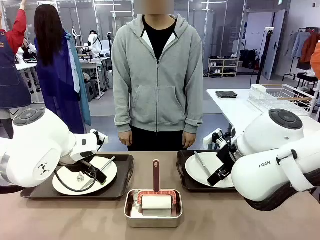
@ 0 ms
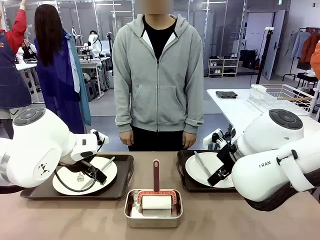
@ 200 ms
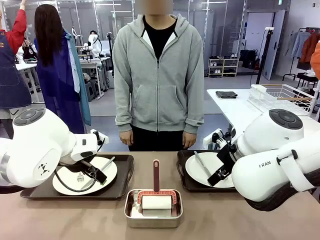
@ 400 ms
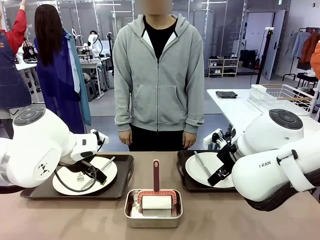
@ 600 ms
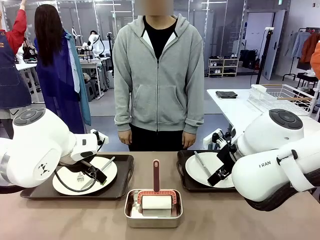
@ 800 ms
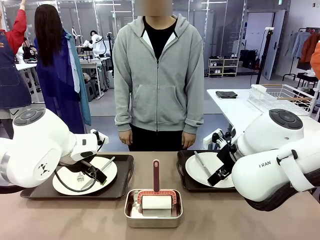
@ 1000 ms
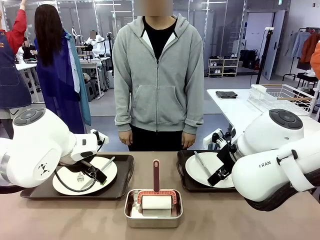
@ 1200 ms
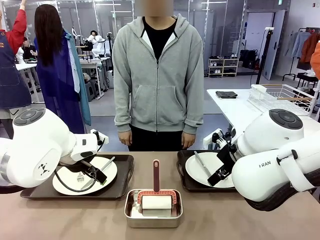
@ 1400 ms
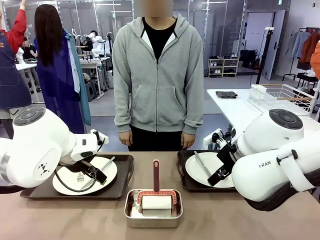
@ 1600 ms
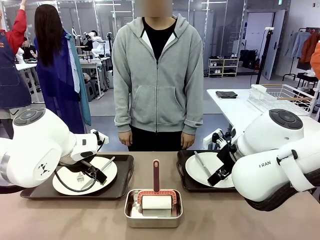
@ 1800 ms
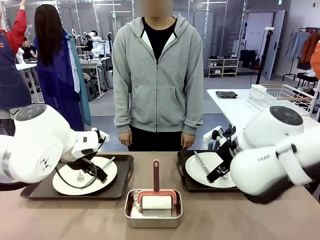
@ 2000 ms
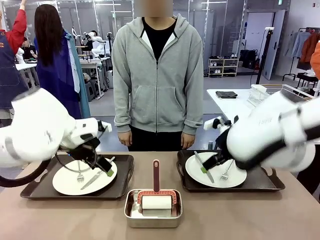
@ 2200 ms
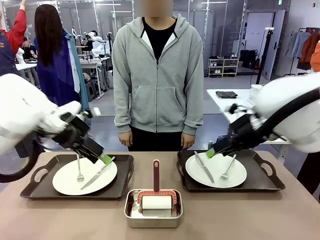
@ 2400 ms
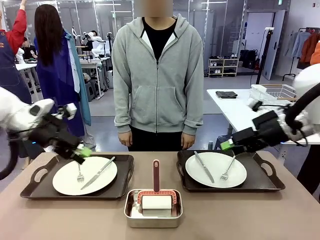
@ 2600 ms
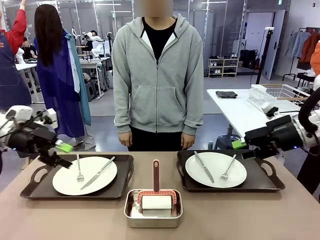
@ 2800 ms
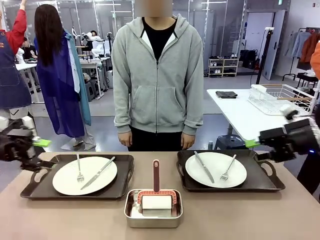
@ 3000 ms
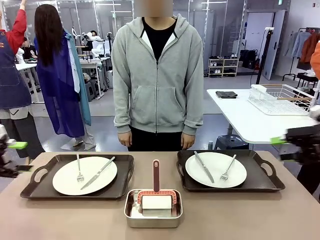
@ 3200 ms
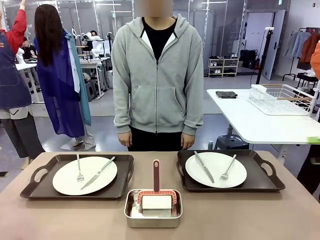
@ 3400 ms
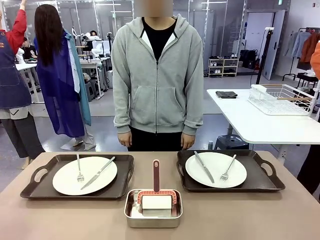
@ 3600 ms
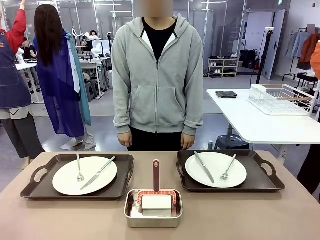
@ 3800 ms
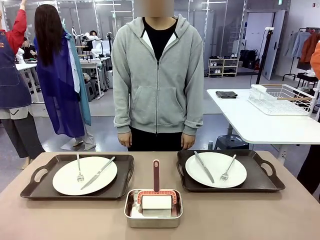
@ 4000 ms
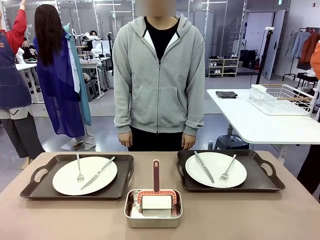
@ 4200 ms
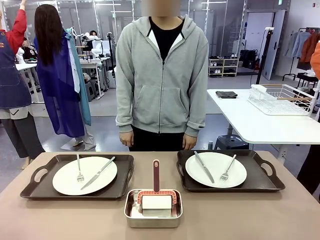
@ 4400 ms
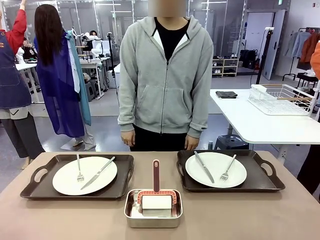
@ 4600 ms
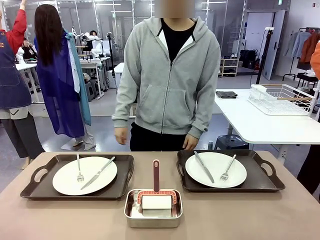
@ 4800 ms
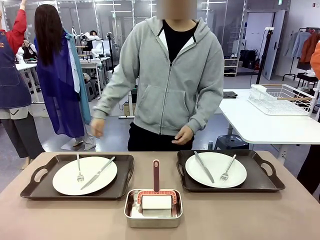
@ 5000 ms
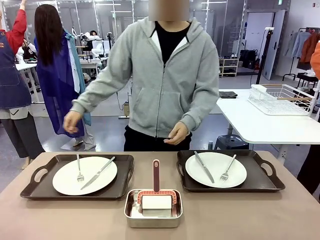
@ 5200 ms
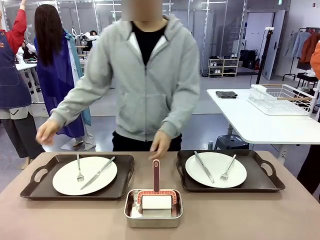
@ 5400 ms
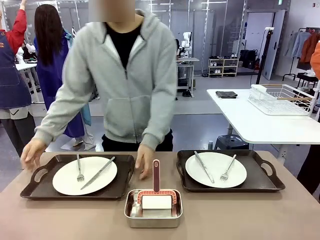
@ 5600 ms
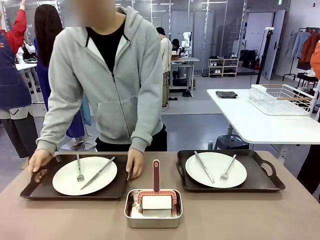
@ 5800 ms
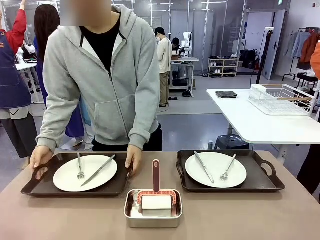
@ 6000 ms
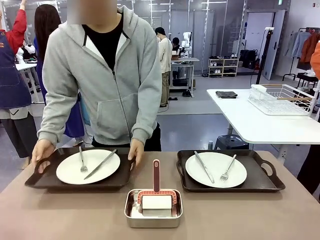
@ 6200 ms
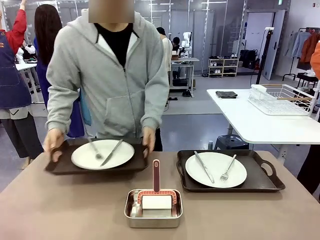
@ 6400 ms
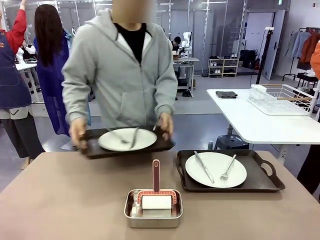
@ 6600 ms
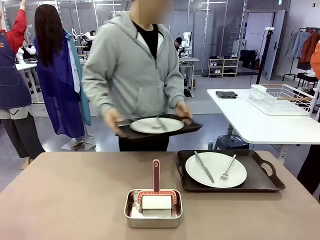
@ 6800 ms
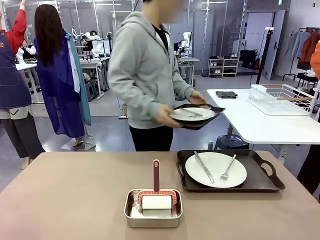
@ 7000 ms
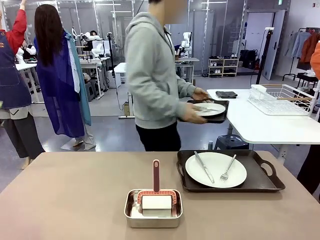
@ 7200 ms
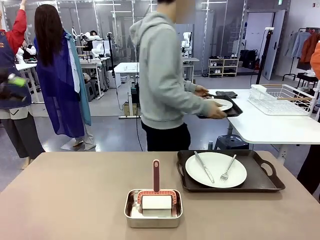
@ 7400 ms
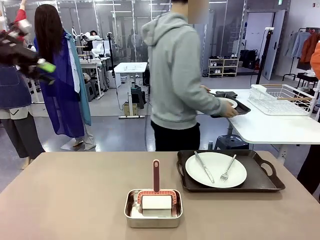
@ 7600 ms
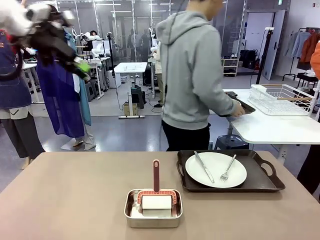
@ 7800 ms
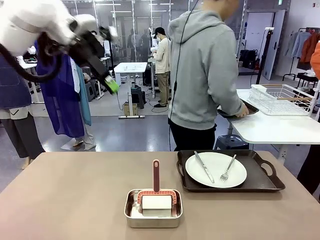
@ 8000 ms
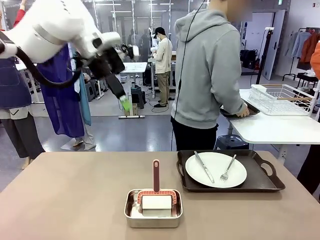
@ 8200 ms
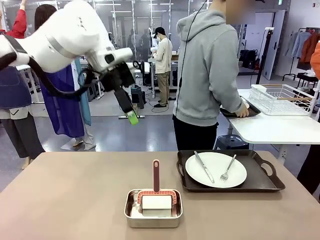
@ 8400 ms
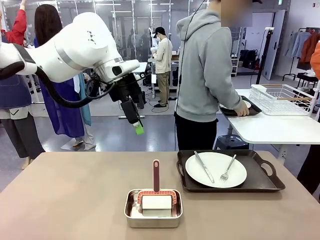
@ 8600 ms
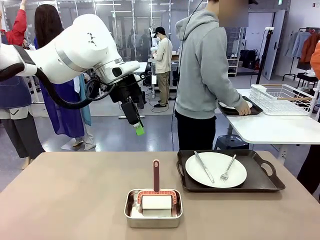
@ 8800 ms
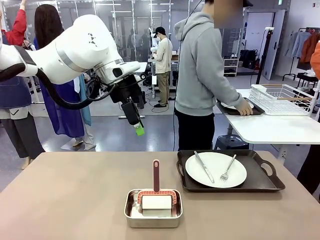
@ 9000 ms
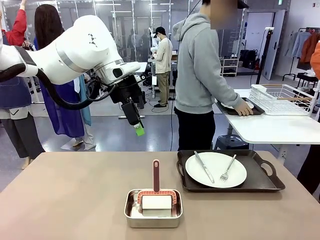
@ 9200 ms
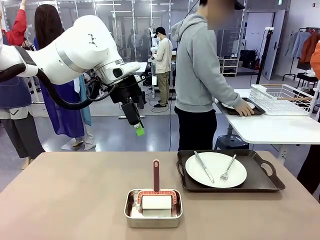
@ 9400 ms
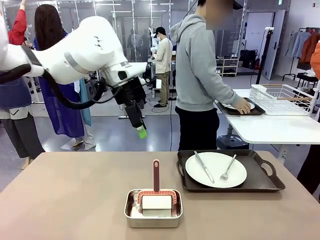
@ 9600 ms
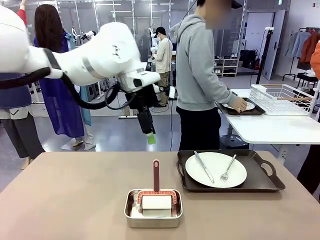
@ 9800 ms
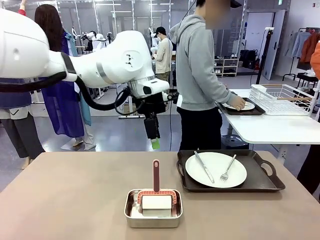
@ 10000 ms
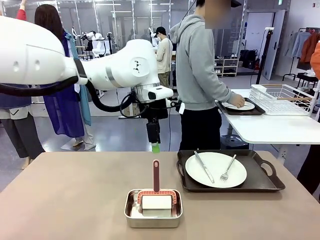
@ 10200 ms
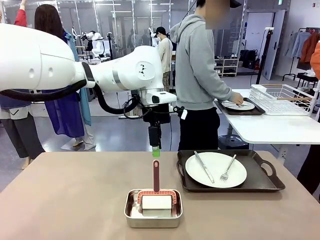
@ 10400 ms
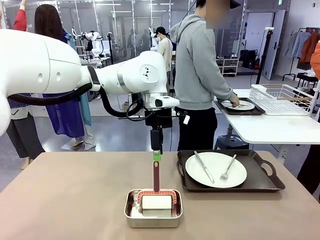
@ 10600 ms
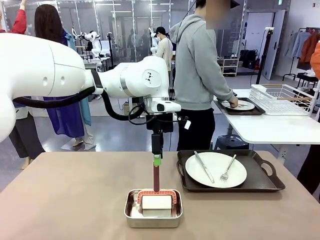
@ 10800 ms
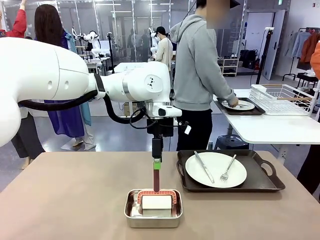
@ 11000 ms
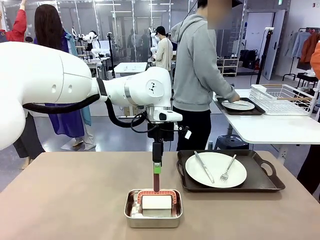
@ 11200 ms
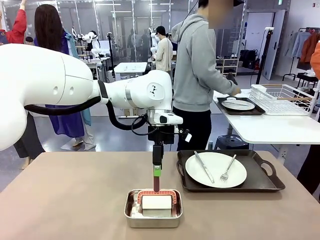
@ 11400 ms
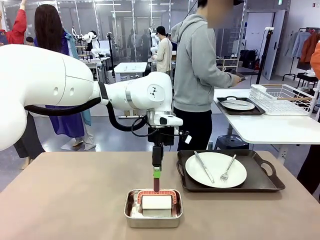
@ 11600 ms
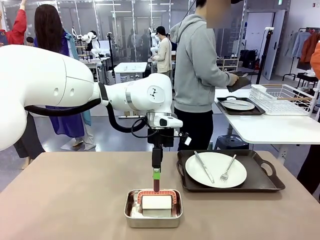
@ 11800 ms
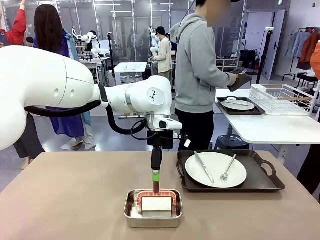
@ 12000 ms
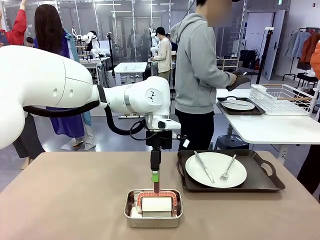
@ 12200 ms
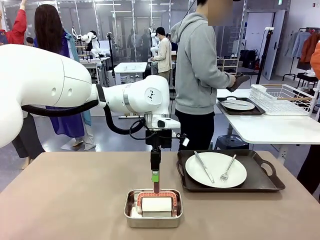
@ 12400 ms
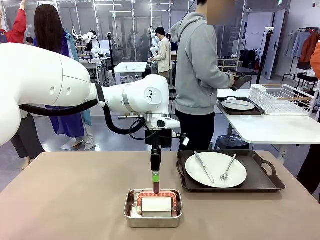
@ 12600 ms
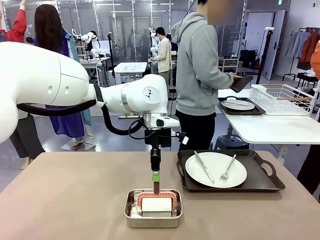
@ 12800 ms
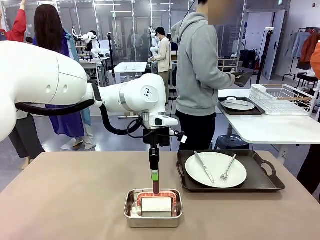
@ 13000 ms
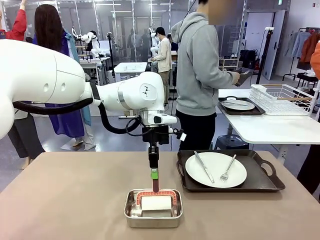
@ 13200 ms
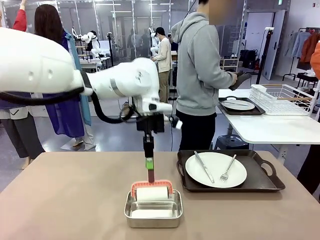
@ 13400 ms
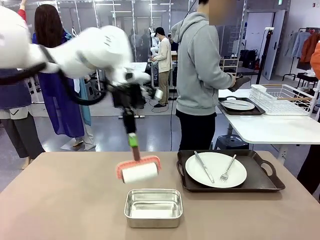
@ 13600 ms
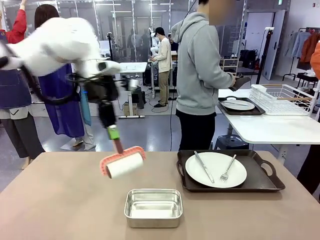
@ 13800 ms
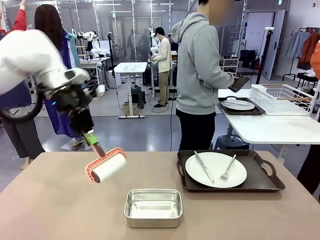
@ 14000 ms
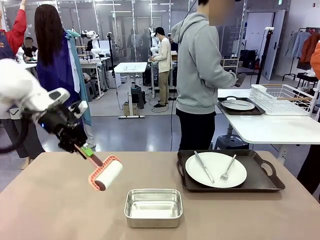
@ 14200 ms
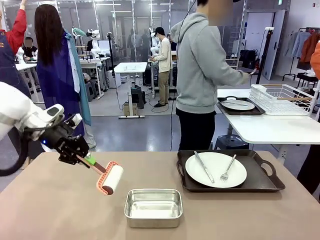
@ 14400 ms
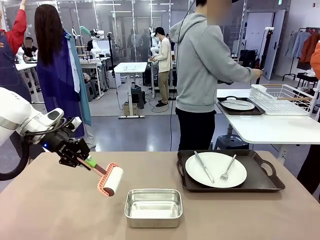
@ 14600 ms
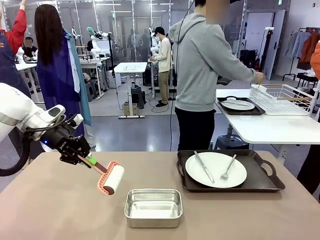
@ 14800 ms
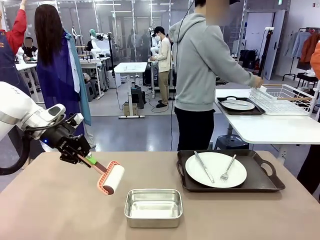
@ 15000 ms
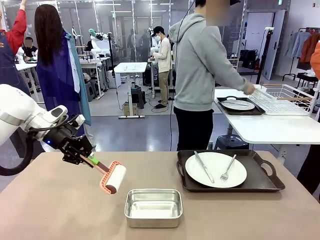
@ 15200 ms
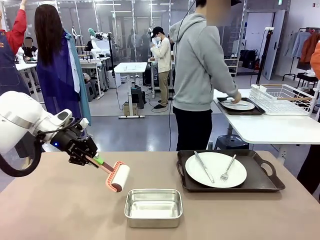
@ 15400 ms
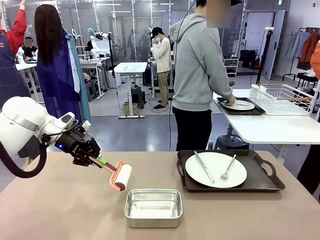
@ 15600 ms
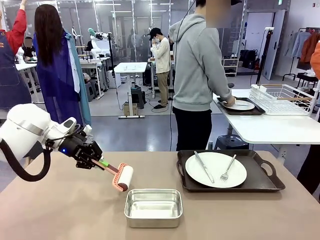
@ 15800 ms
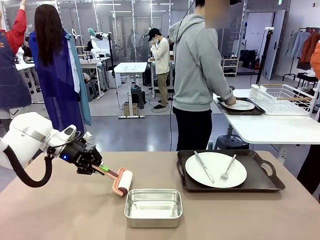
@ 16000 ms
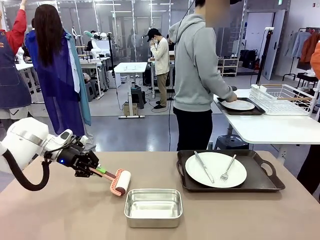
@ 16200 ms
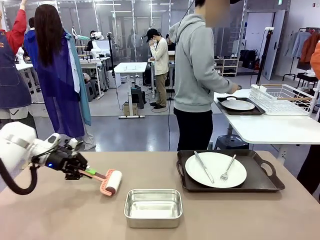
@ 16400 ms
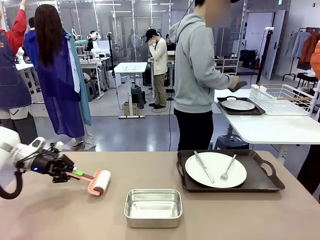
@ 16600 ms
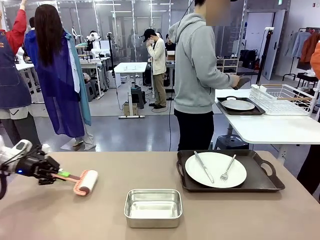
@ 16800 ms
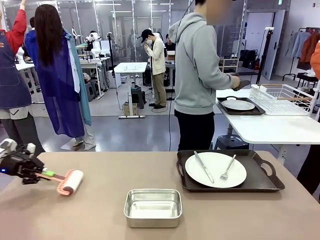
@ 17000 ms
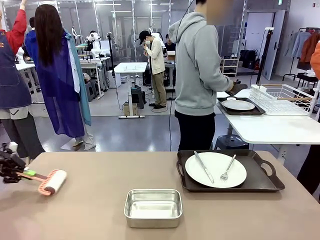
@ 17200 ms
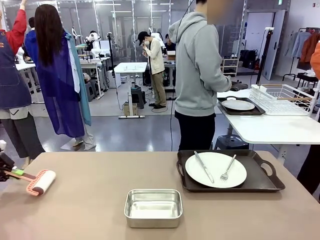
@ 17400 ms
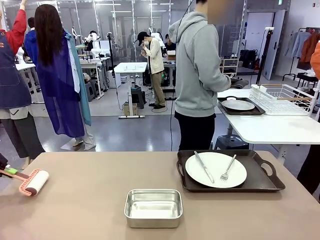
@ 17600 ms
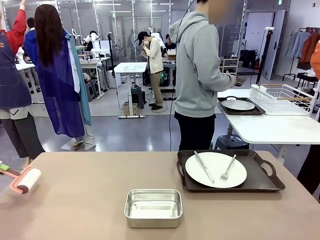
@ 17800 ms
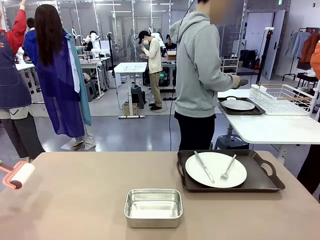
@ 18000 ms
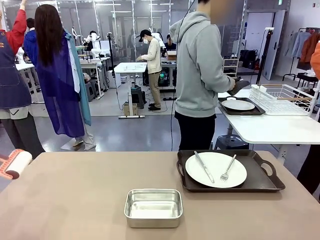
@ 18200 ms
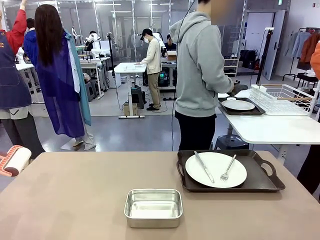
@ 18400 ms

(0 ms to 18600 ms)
Robot: When the left (or right) Handle tray is removed, use the left hand (or right hand) to clean the left (or right) side of the table with the Lint Roller.
Person: Pick up the left (or right) Handle tray and place it on the middle of the Human's table. Use the Towel with hook to wipe the Plastic Matte Plate , Fork , and Knife and place into the Dish drying rack.

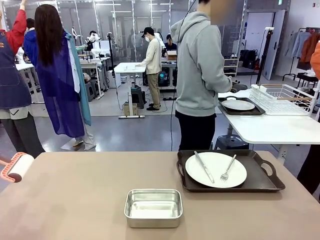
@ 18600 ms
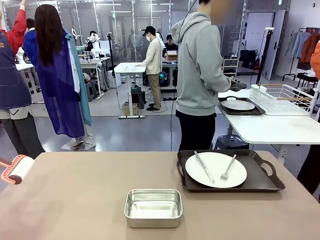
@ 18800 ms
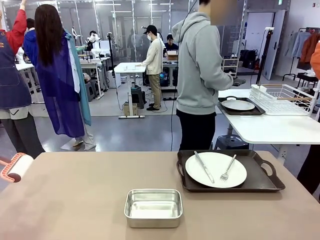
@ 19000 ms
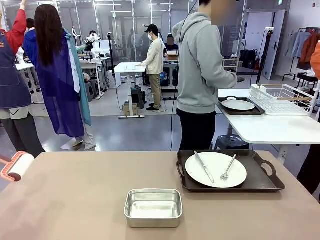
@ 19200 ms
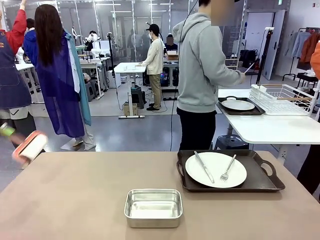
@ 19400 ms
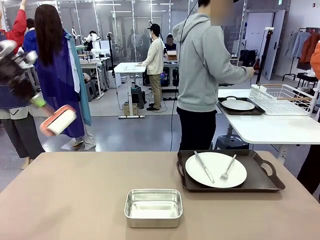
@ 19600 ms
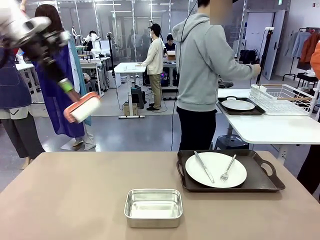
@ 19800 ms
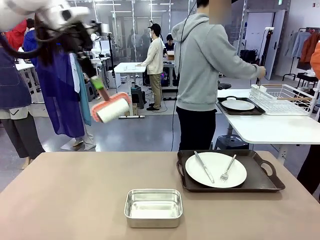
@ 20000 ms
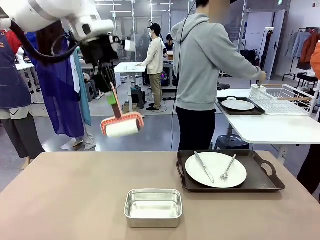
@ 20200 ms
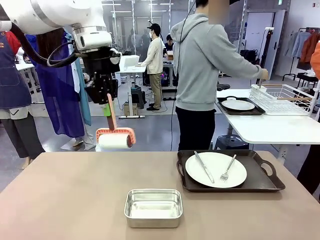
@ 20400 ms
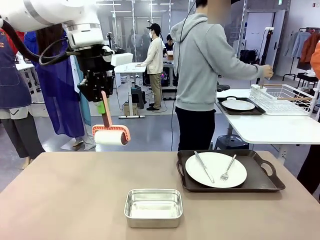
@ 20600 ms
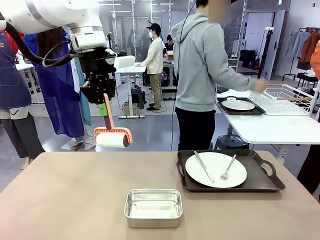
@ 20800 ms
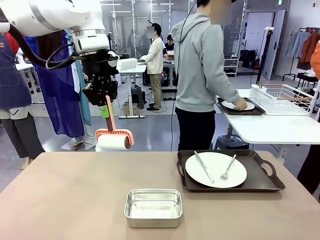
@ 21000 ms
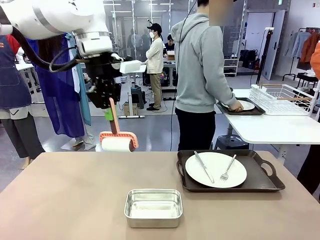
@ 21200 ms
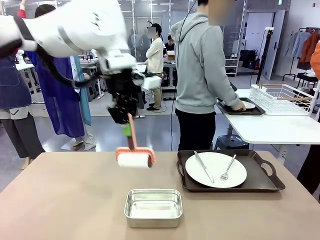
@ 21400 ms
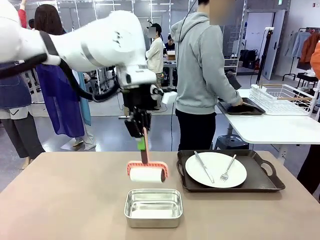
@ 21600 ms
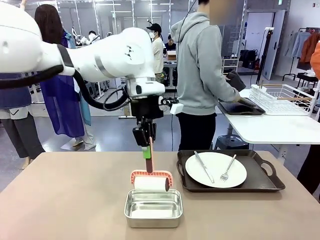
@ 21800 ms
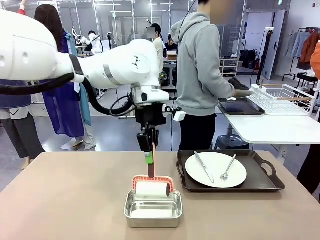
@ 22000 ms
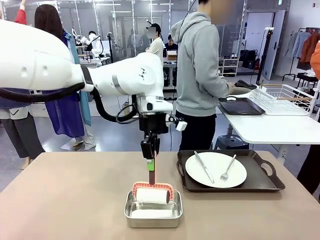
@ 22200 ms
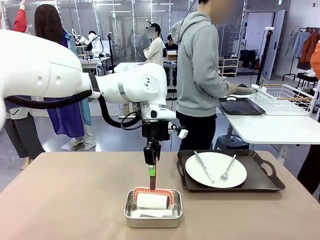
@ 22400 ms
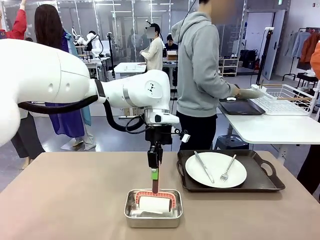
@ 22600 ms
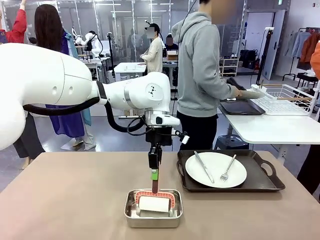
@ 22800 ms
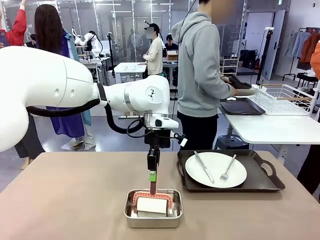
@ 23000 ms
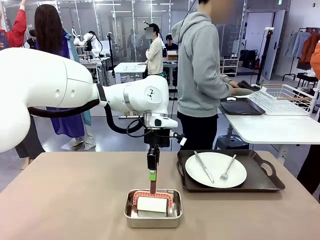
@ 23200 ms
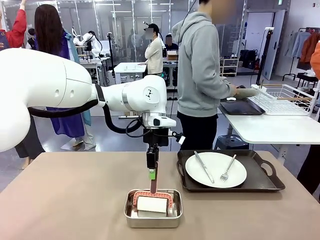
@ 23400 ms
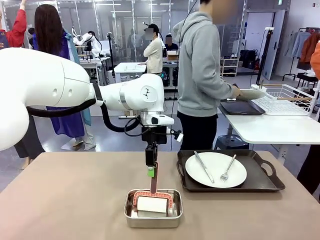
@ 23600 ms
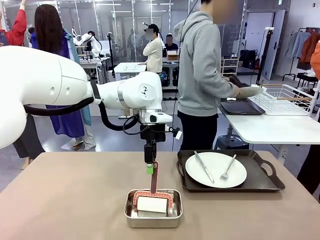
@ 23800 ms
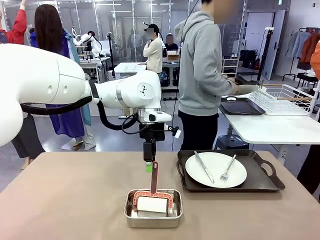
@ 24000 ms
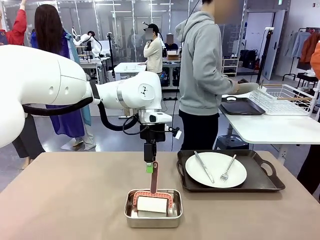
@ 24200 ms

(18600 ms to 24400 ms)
Robot: Place the Lint Roller back on top of the Airtight Container.
